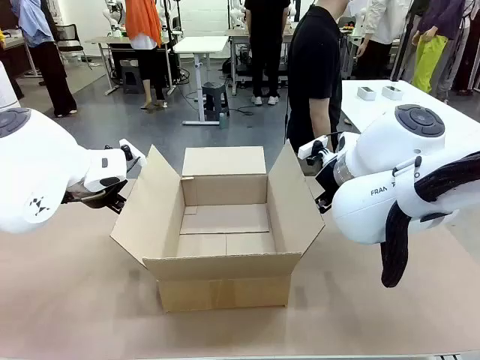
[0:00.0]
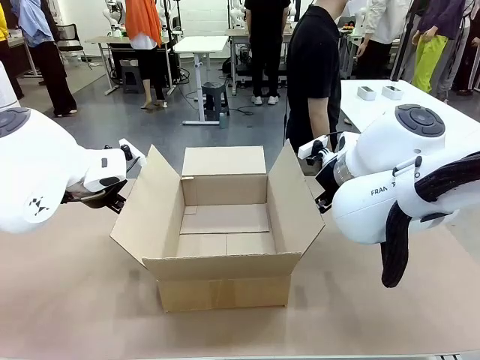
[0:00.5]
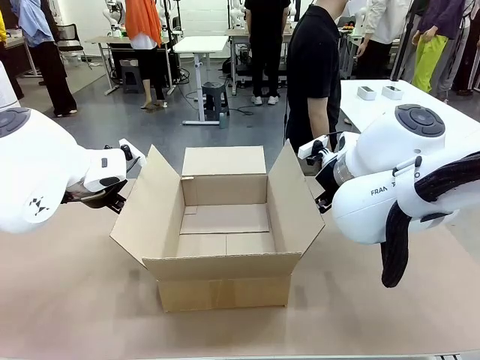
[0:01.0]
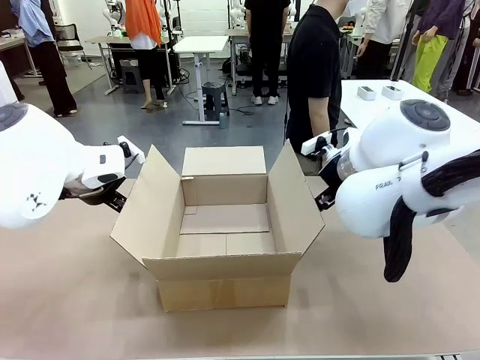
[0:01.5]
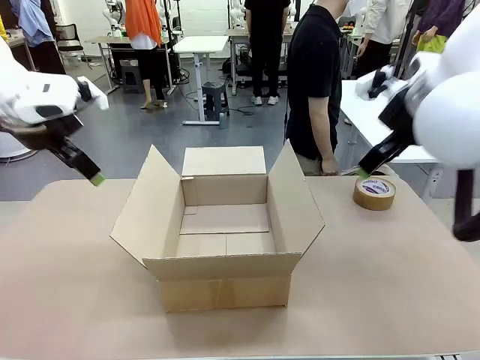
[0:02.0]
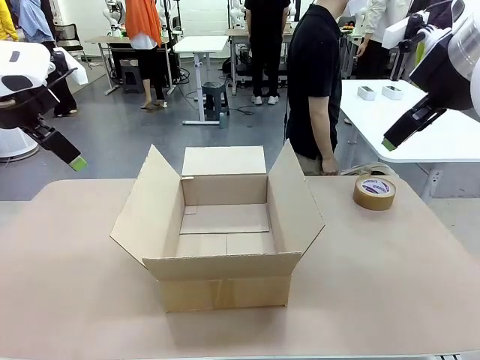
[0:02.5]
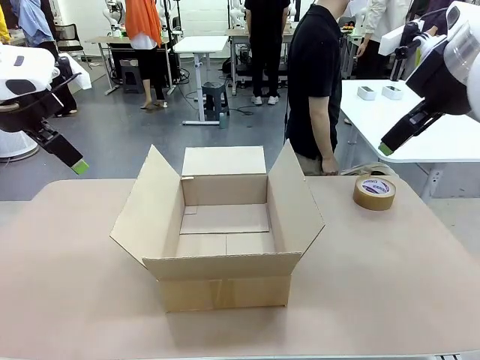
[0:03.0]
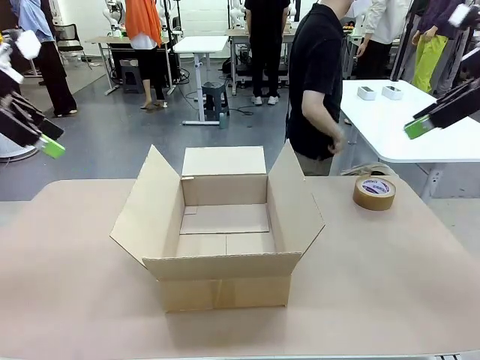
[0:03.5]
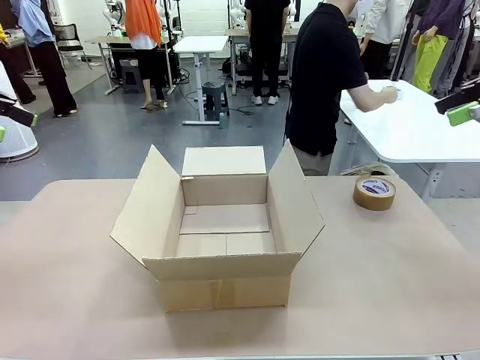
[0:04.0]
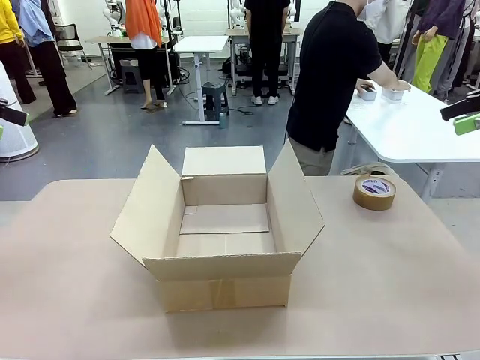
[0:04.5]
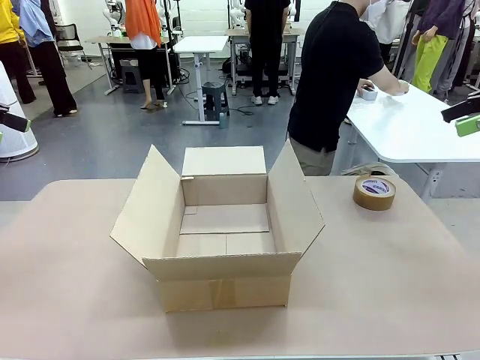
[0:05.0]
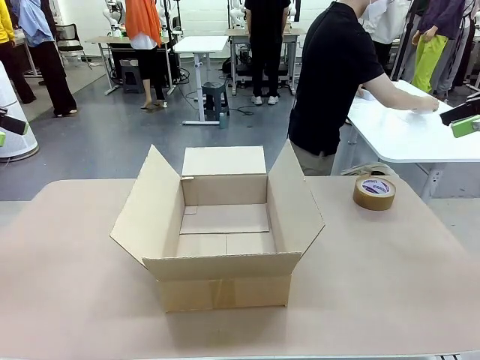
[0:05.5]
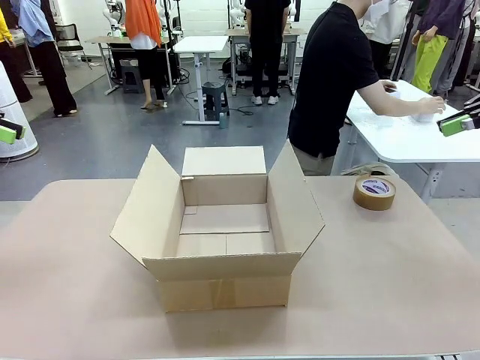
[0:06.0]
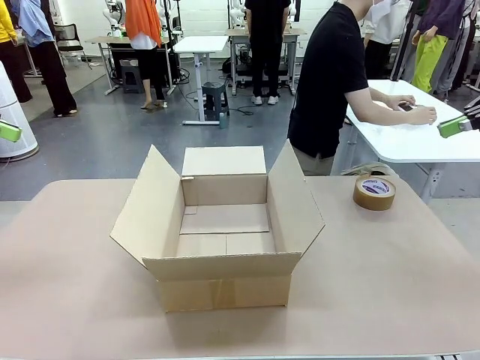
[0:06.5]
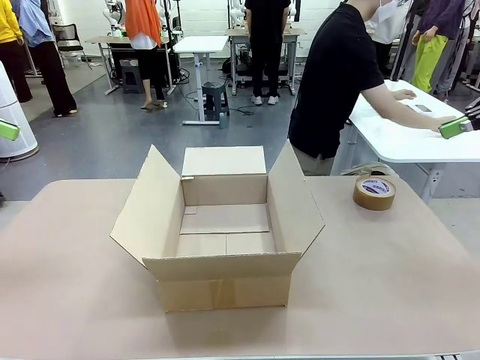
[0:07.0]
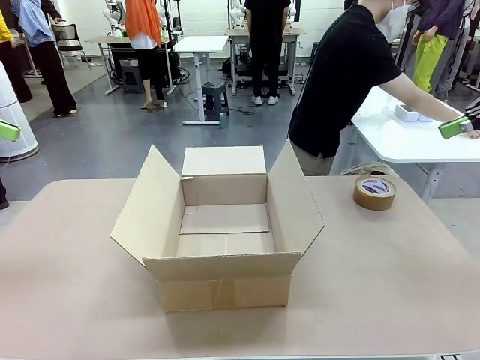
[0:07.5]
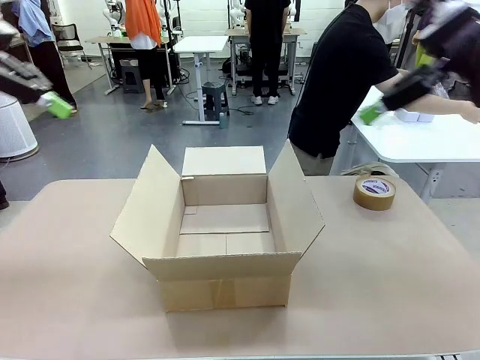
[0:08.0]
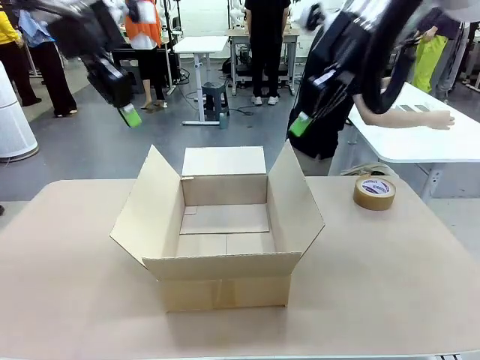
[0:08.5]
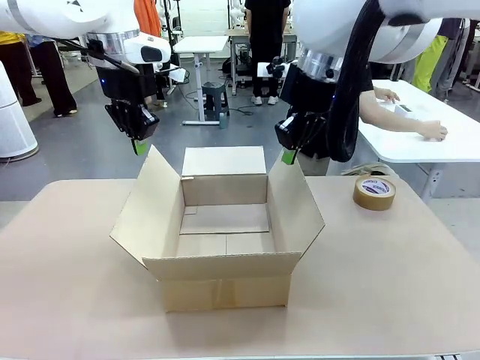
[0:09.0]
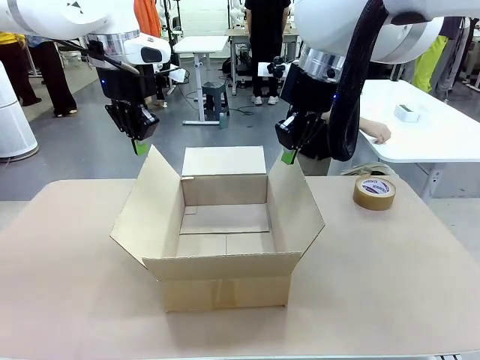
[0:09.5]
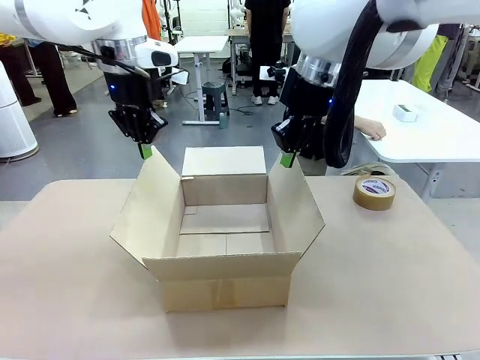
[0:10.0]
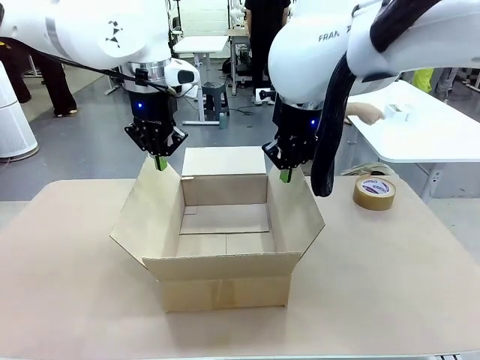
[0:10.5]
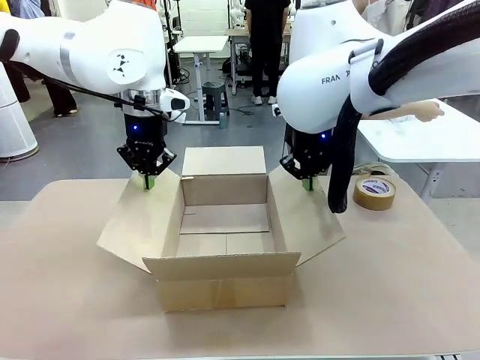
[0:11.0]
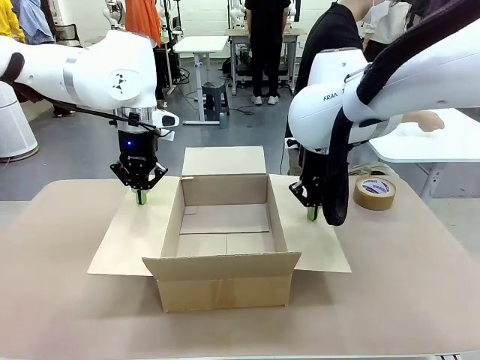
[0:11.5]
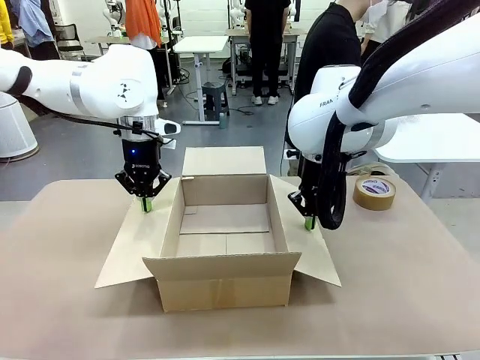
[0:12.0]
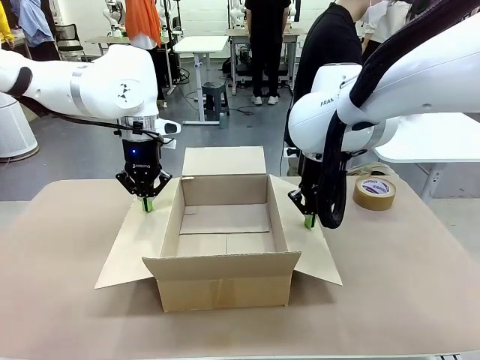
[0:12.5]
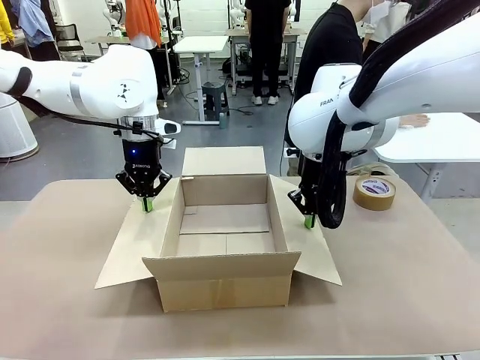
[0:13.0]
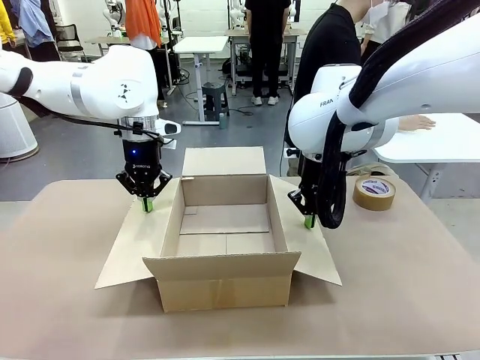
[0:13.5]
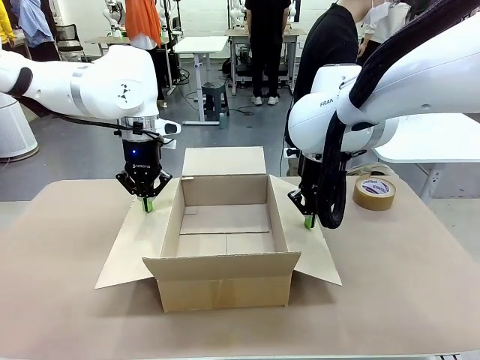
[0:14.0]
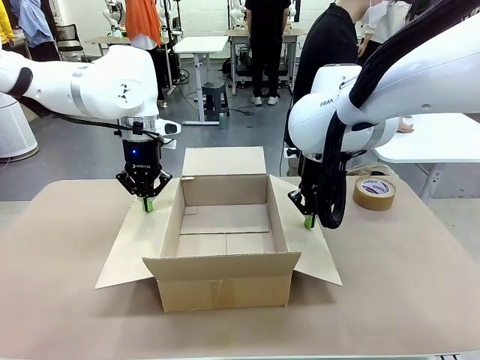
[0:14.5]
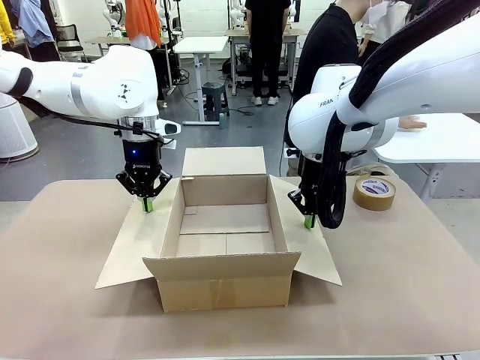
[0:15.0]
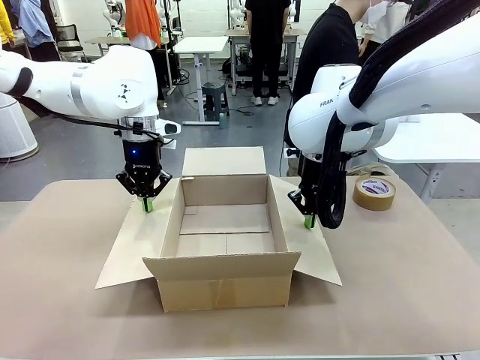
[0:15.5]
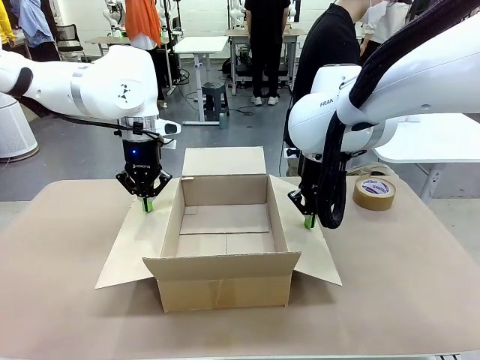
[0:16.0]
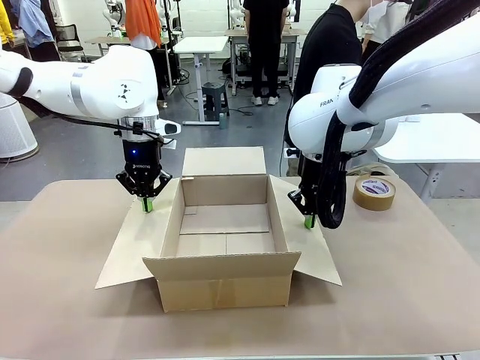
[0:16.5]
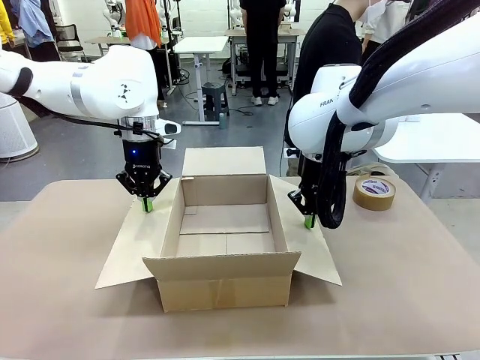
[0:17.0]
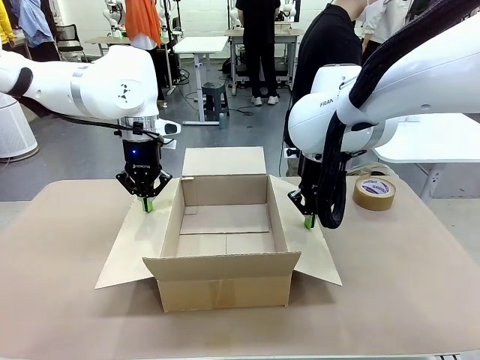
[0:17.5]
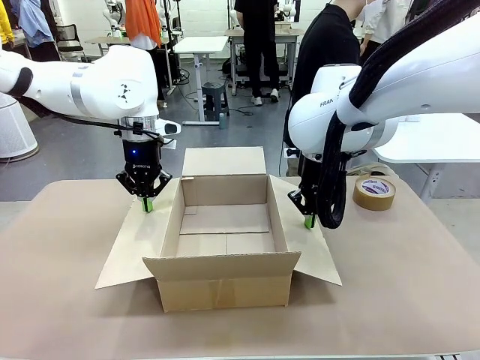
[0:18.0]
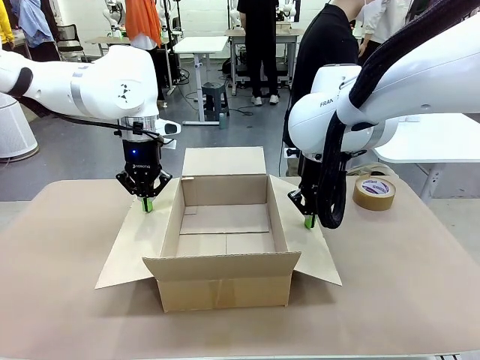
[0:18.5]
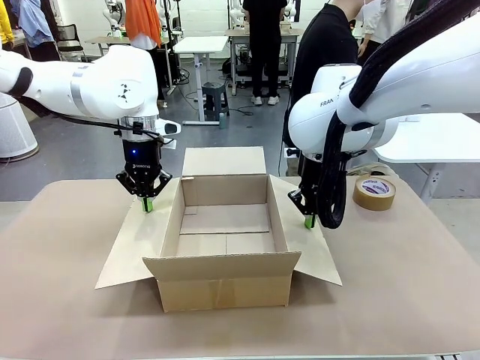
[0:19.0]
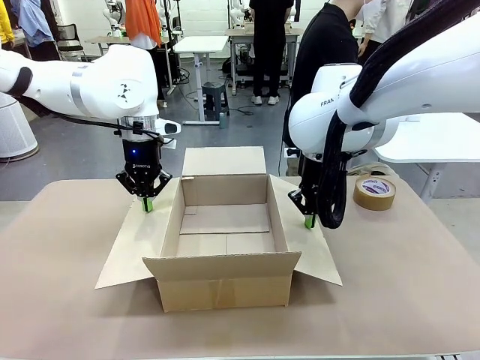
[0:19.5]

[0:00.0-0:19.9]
Task: Wrap the clocks to prevent damage.
Robot: Open the side flaps of the Package Box.
Person: Wrap the two Digital clocks with Bubble Wrap.

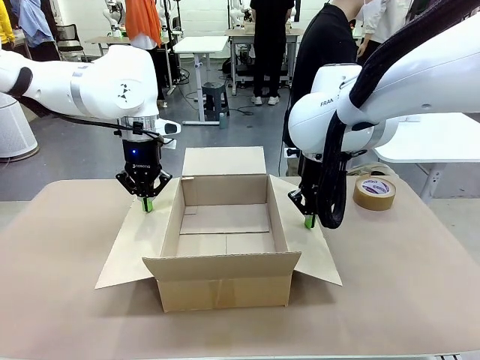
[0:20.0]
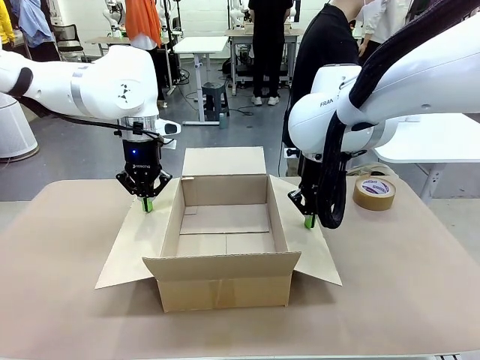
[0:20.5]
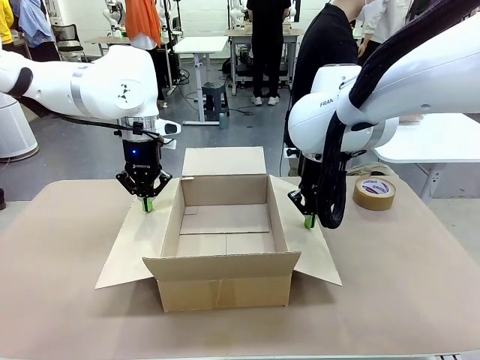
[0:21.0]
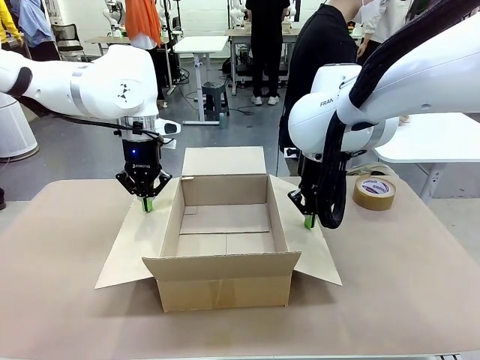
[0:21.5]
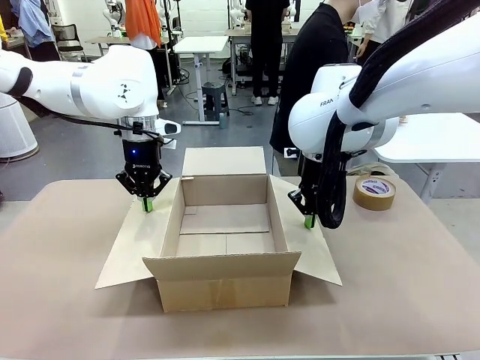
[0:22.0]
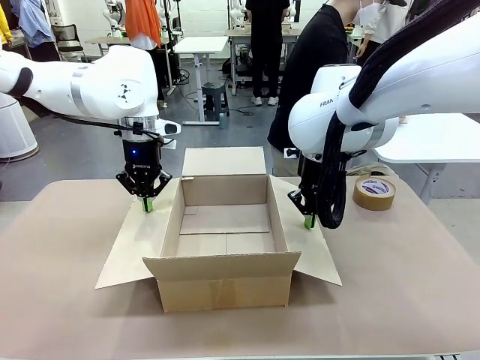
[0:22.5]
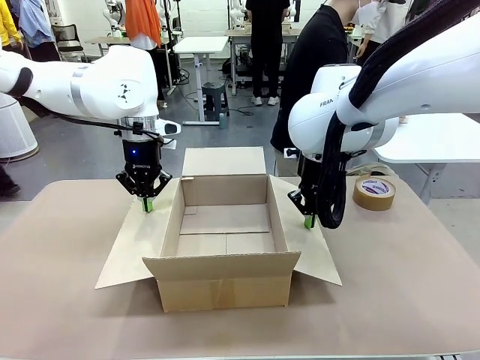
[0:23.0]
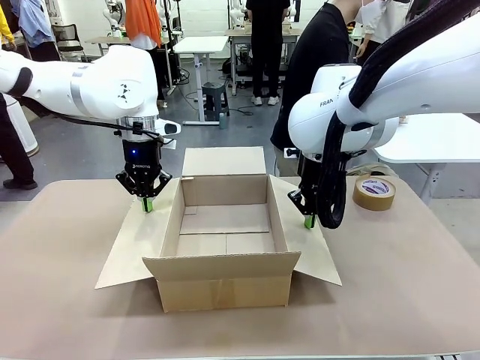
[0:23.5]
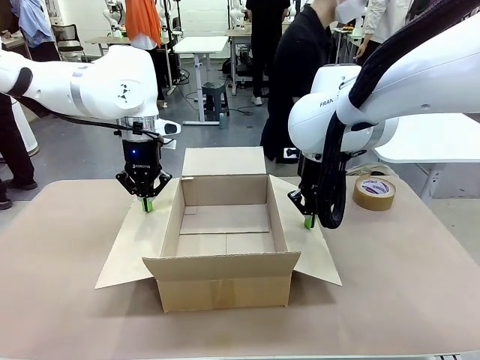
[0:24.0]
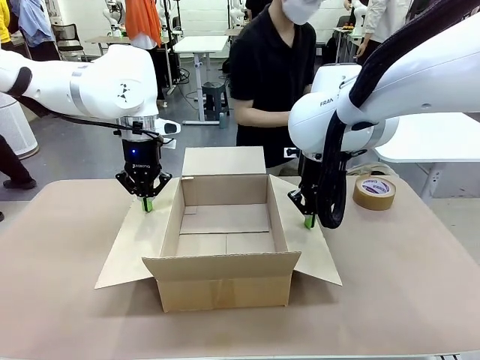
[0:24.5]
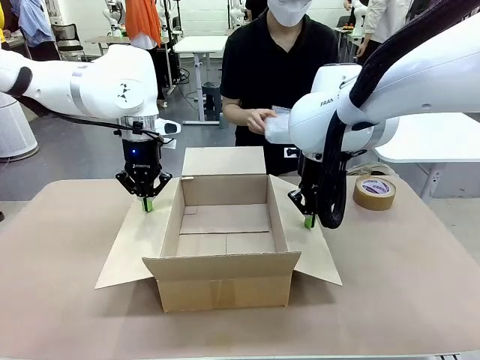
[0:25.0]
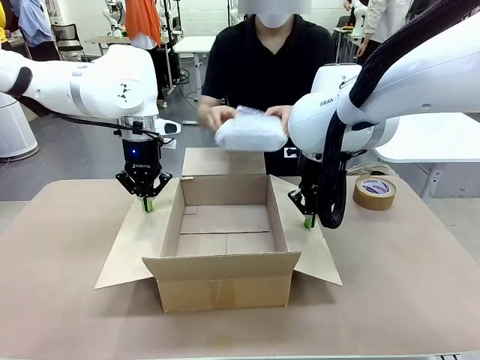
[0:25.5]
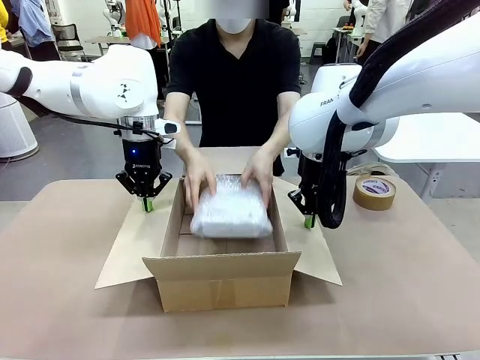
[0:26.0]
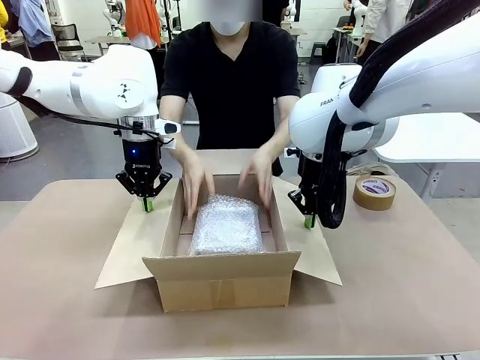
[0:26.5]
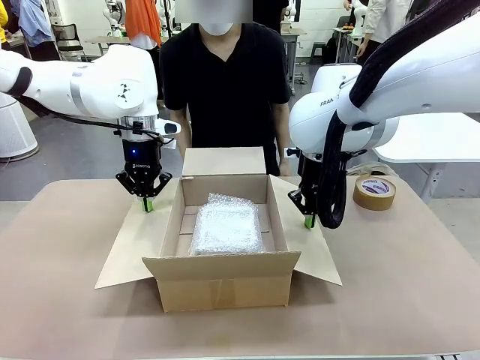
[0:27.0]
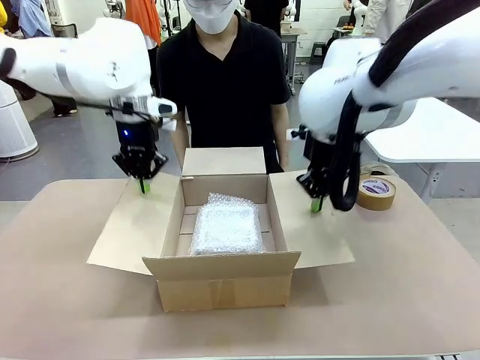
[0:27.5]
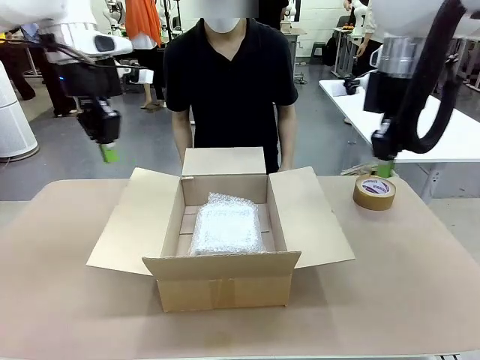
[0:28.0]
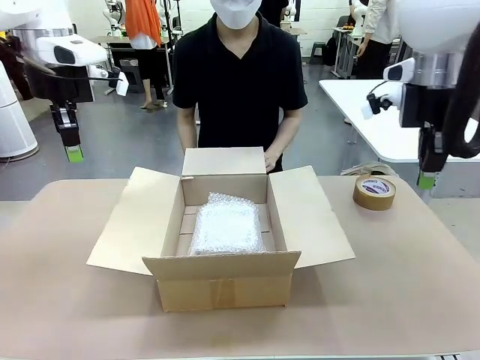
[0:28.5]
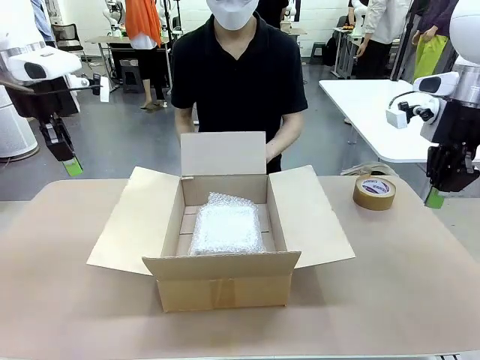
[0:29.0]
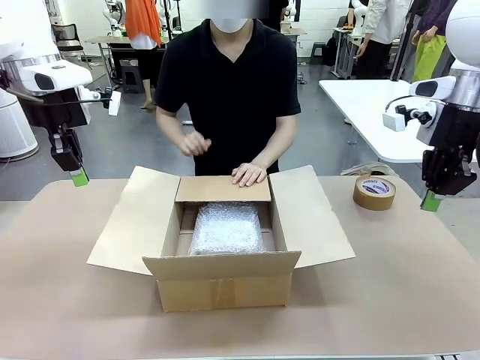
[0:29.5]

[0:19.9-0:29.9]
Robot: Once the human has placed the objects inside and stepped back, release both hands from the side flaps of the Package Box.
Person: Place the wrapped Digital clocks inside the Package Box. Hold the top and bottom flaps of the Package Box closed with your left (or right) hand.
